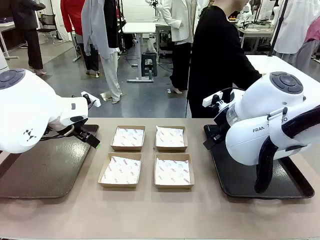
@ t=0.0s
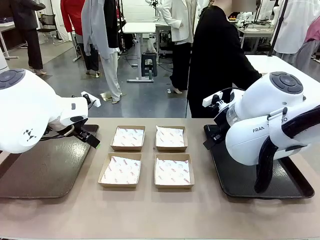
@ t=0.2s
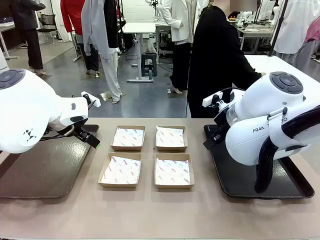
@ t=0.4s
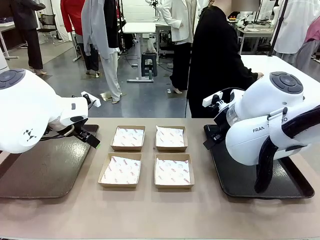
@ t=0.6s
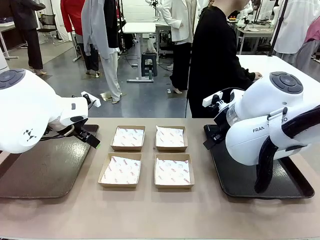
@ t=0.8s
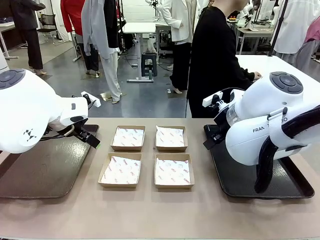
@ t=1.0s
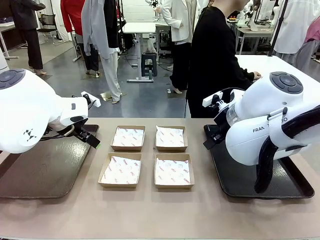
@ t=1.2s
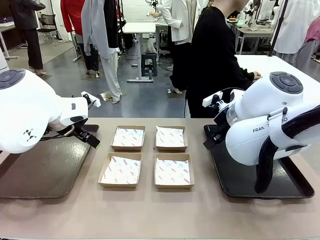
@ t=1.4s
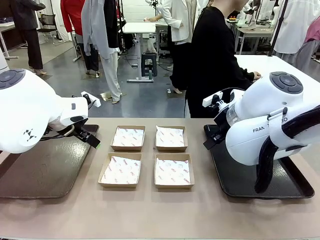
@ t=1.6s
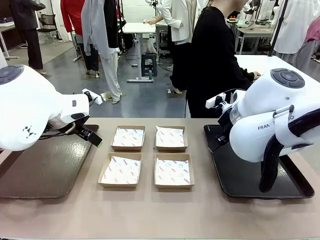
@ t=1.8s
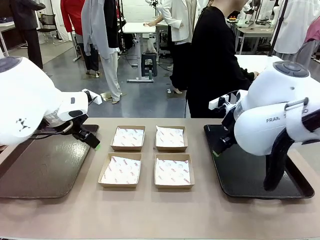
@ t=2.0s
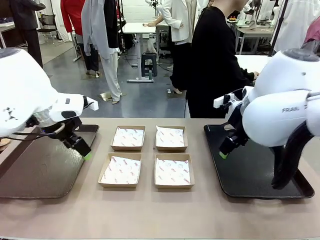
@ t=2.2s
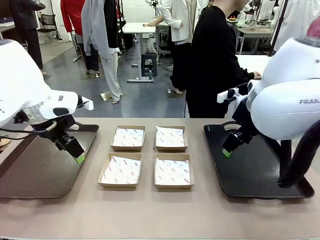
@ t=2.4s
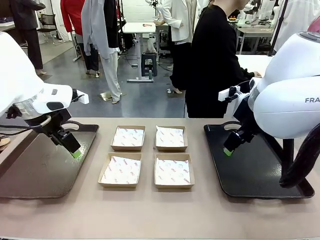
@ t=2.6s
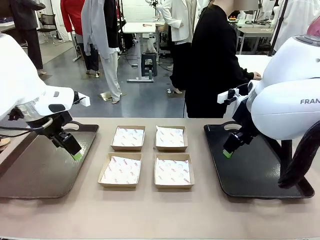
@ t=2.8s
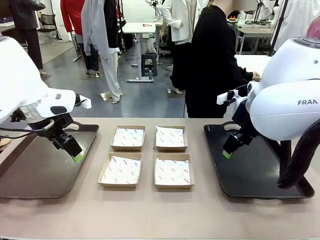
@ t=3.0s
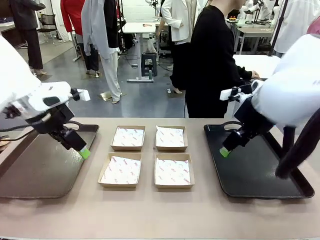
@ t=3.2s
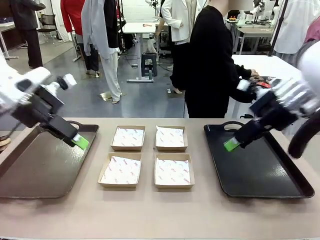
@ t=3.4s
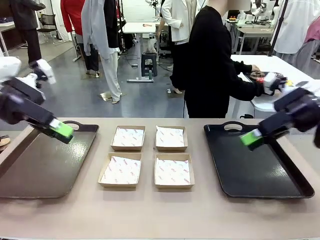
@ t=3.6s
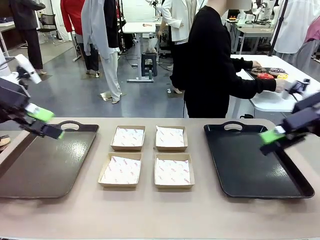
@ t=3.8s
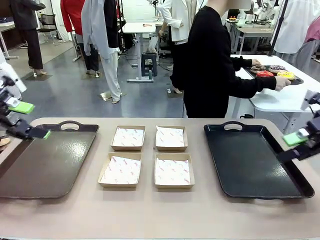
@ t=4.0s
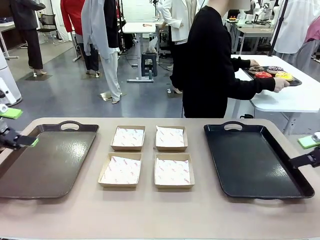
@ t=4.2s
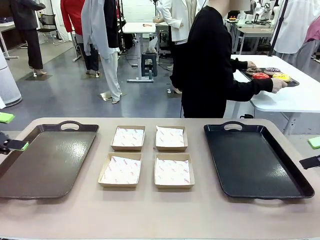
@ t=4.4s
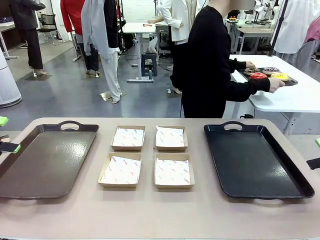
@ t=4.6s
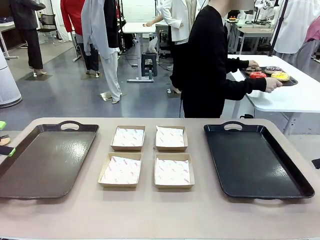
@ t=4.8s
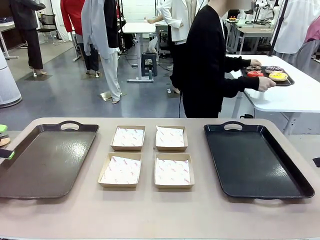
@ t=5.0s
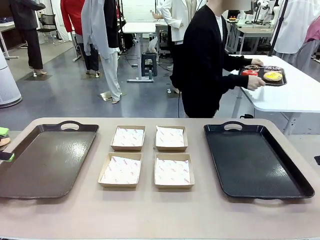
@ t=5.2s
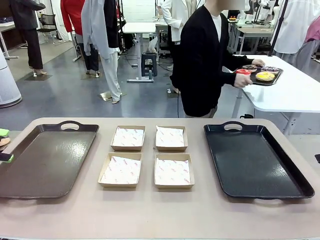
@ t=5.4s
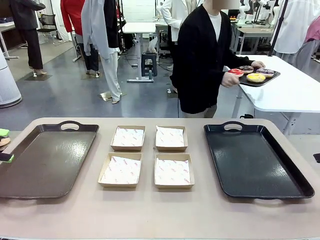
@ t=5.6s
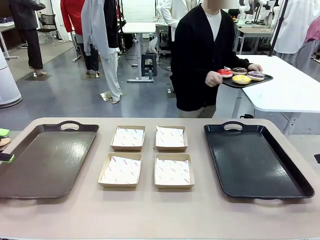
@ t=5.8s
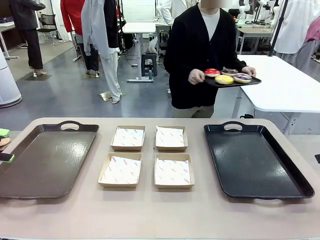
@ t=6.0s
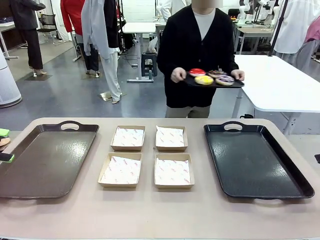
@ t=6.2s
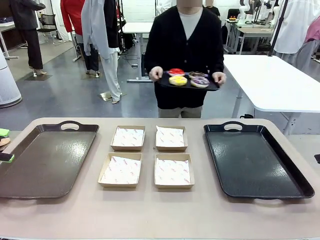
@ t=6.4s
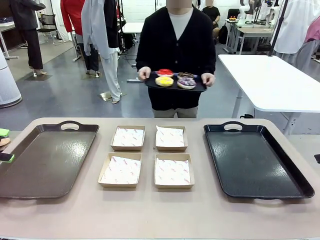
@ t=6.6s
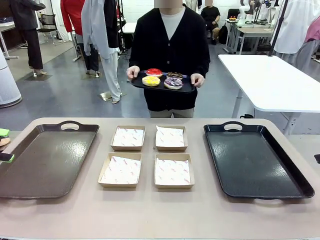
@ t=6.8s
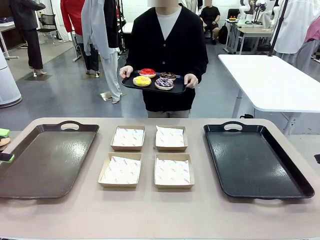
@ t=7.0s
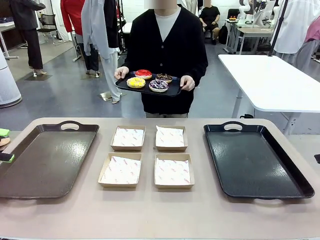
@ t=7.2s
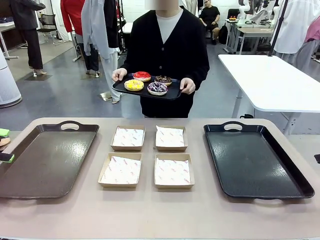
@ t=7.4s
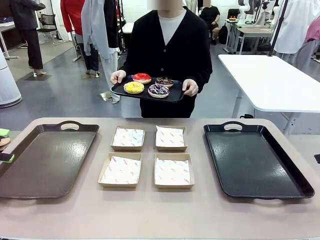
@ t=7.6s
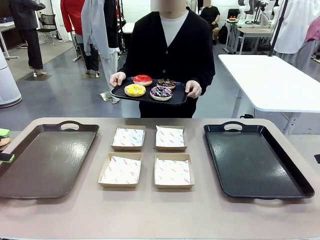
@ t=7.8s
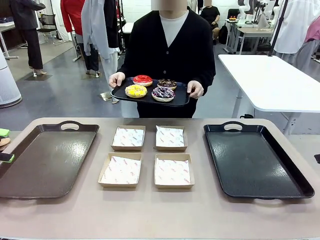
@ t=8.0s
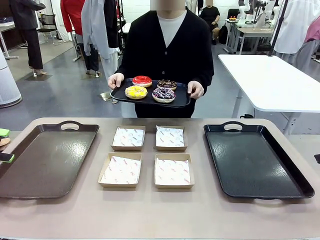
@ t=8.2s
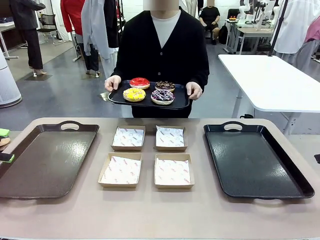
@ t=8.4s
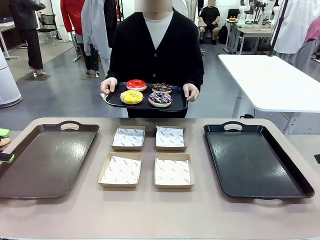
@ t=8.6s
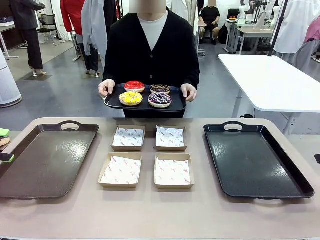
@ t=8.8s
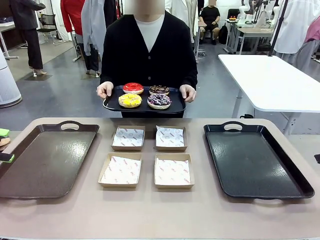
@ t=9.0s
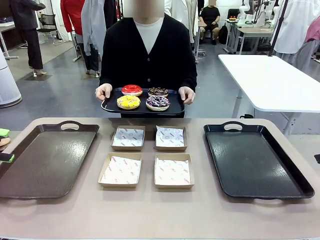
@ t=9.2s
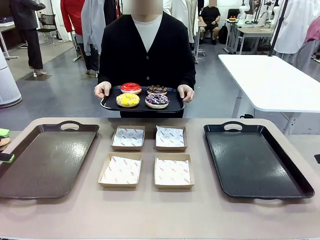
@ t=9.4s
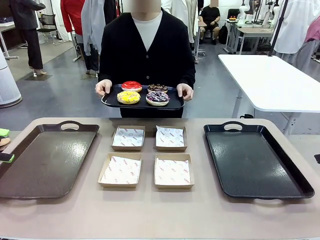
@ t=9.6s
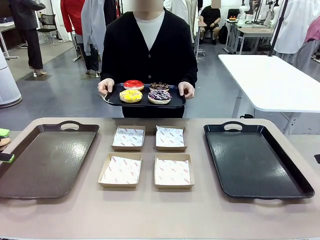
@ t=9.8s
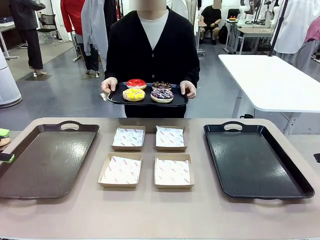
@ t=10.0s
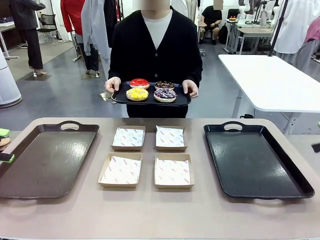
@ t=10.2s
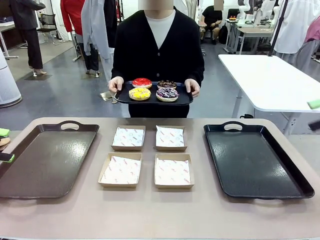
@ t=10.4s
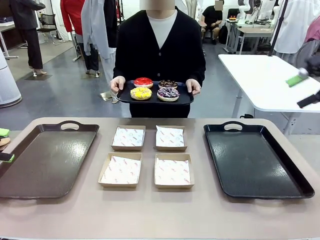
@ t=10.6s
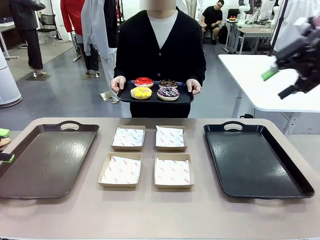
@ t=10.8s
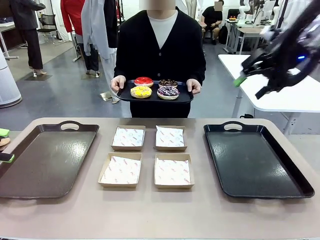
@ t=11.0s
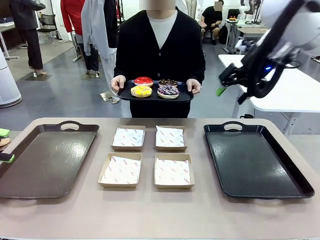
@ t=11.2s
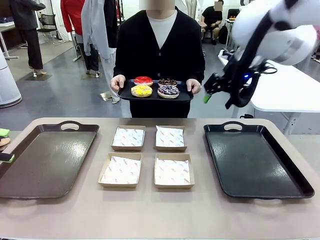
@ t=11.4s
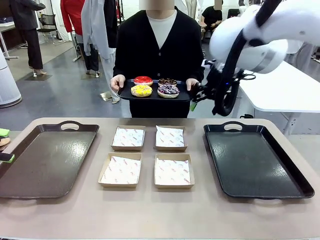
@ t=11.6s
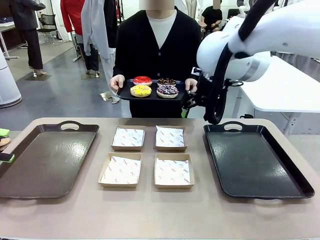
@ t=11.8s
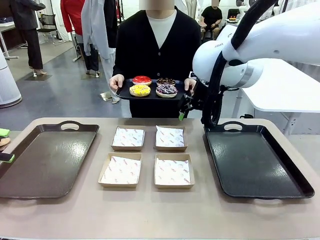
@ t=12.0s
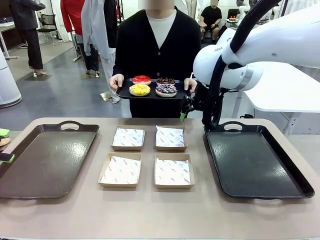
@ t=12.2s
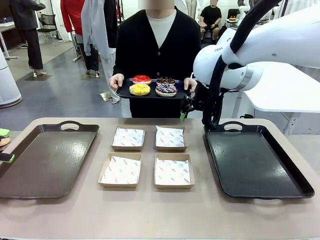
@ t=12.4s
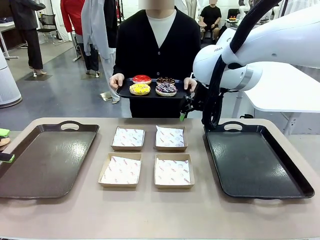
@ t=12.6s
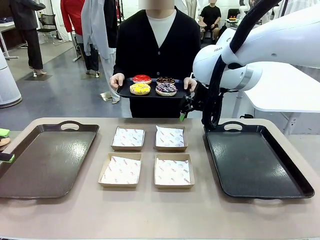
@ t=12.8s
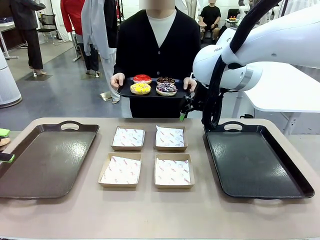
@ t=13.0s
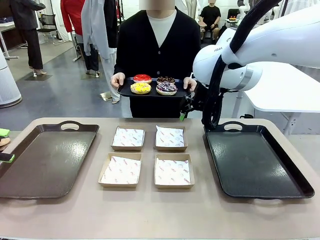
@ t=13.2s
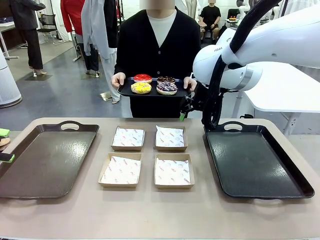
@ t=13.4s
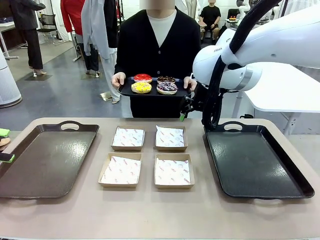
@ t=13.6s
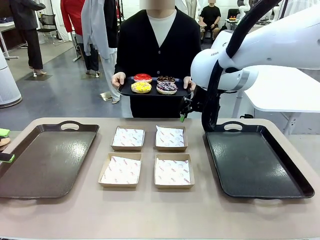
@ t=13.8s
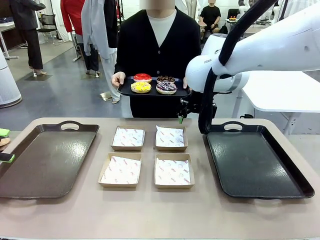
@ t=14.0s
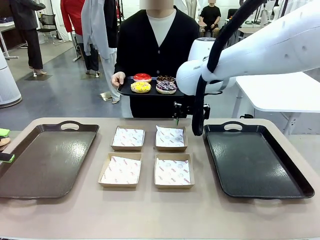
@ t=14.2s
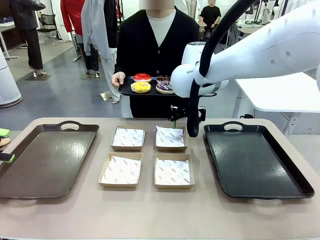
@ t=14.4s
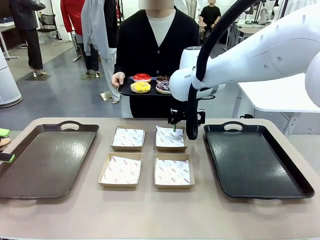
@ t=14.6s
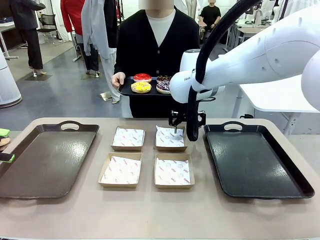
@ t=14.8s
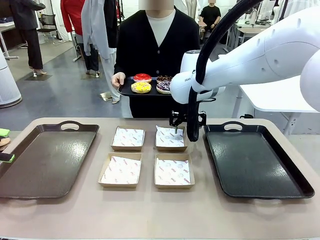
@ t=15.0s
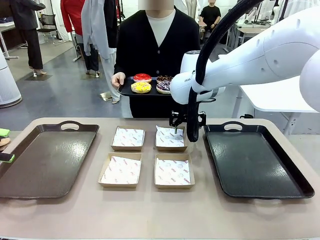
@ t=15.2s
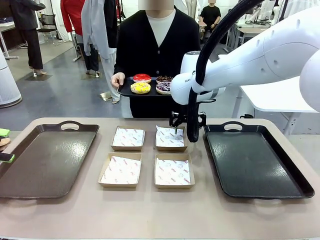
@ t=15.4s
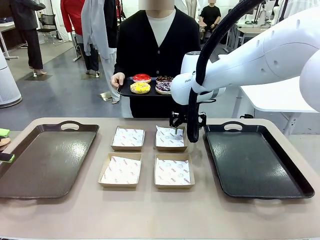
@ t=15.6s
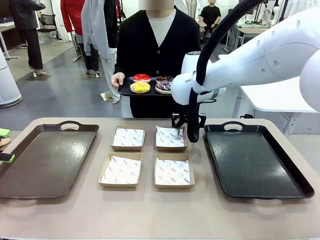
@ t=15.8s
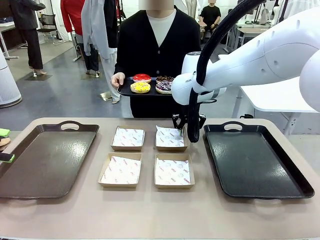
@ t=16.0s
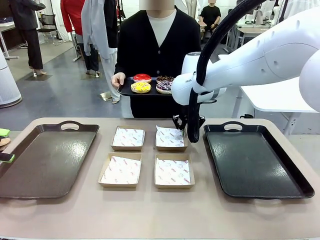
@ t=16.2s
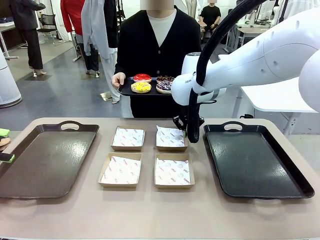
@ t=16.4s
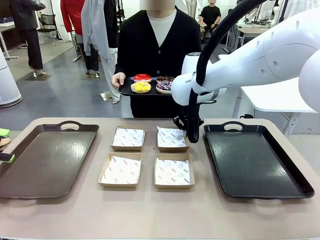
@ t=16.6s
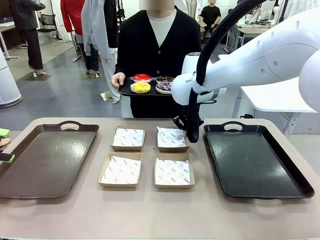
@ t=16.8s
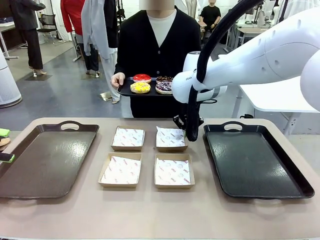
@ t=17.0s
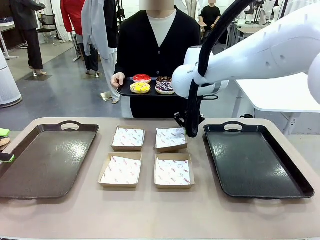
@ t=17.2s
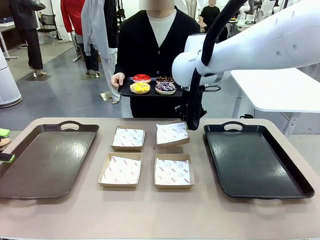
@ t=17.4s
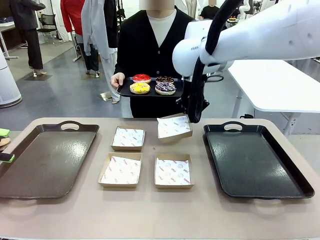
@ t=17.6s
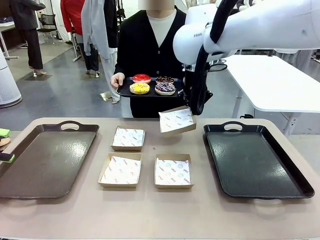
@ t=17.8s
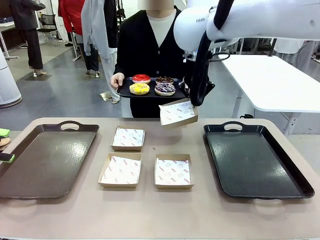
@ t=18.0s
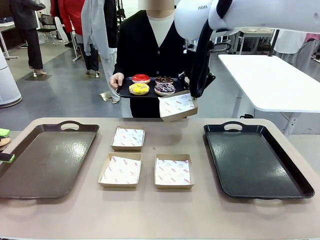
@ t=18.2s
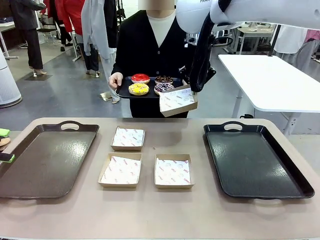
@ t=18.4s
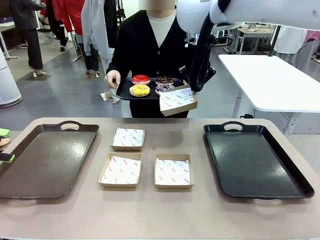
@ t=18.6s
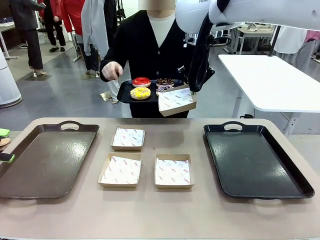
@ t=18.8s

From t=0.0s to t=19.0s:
Task: Individually package the donuts and arrange them on the tray.
Robot: Pick up one Paper togo box.
Person: Stand in front of the robot table holding the tray containing the donuts.
